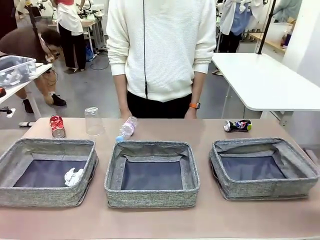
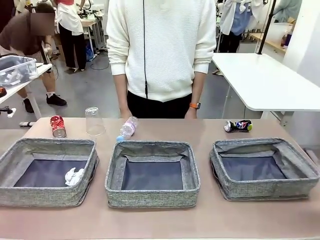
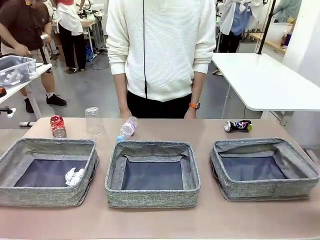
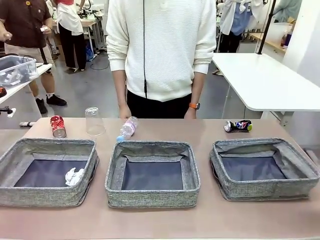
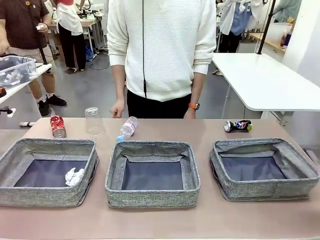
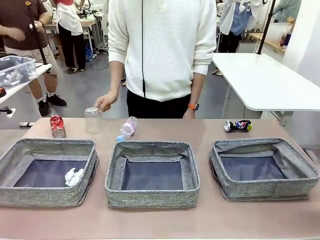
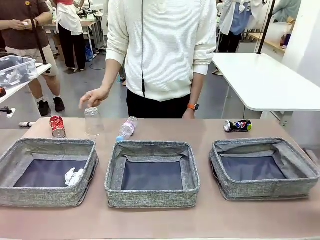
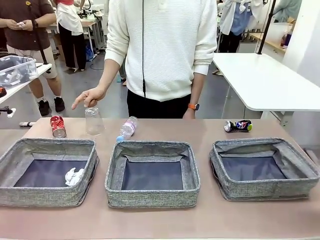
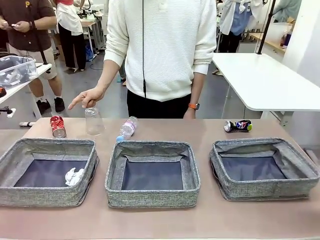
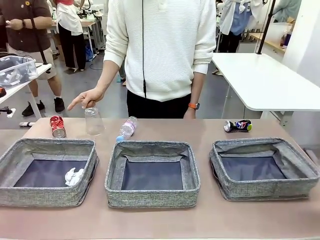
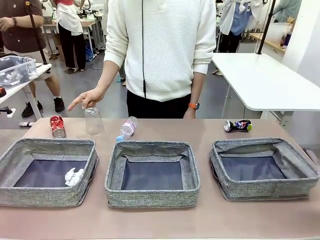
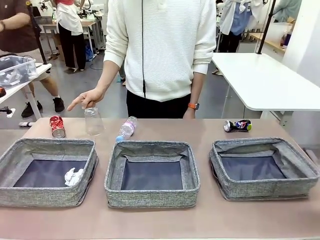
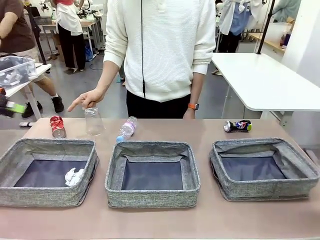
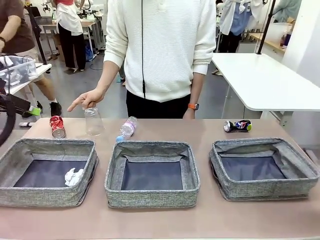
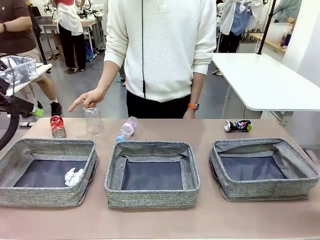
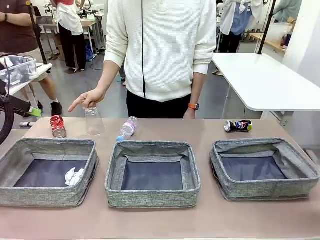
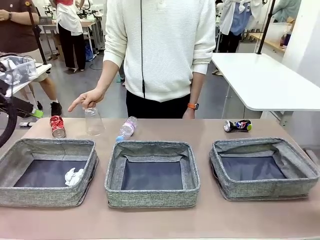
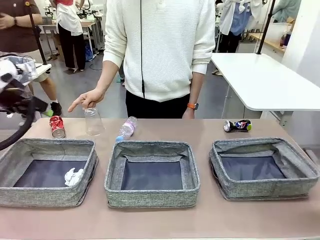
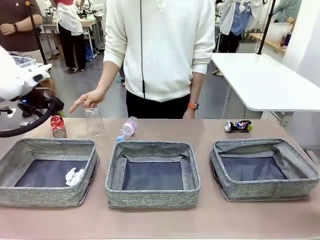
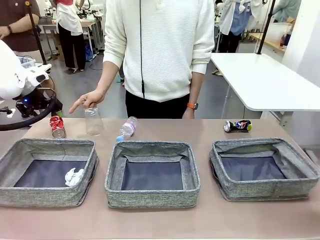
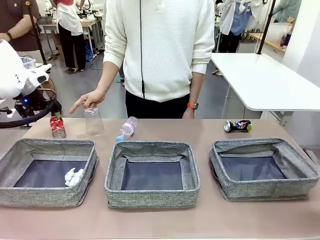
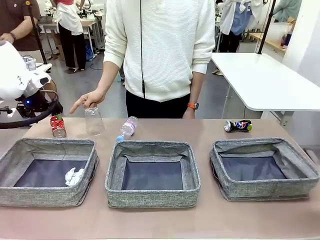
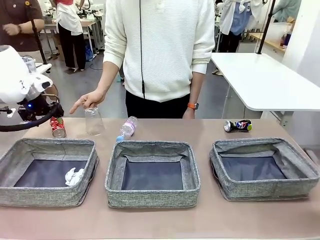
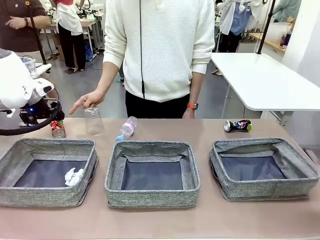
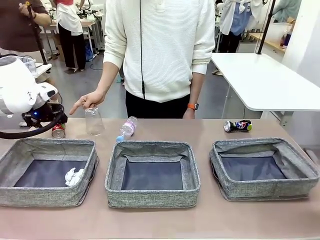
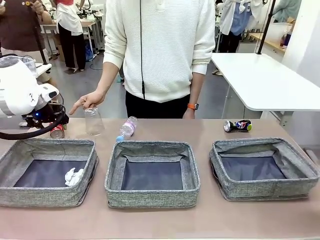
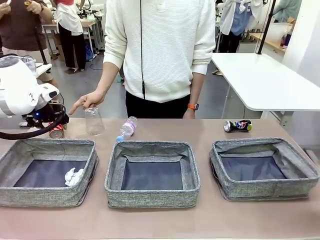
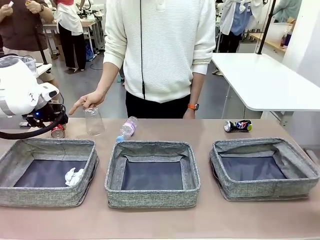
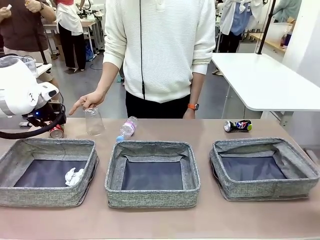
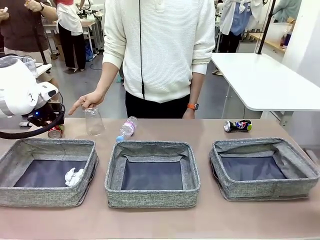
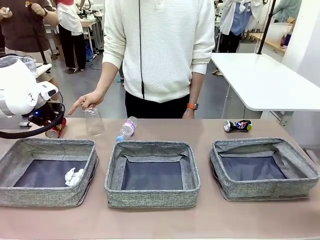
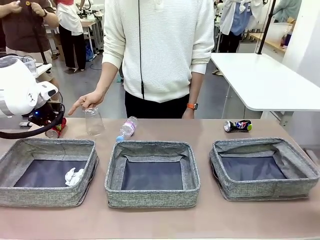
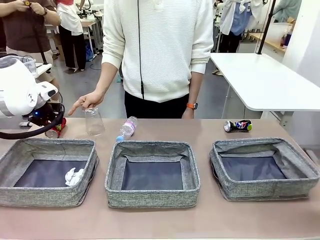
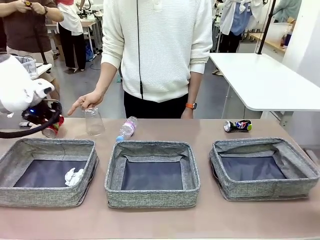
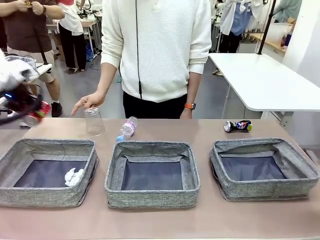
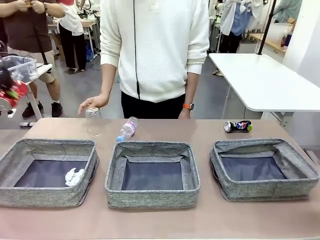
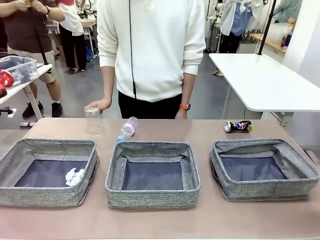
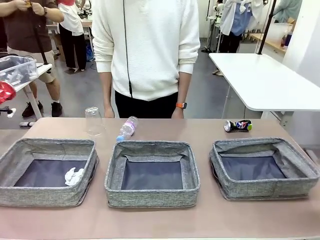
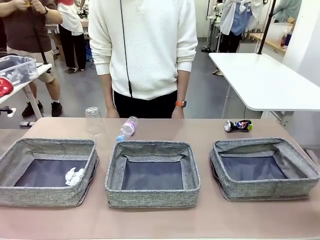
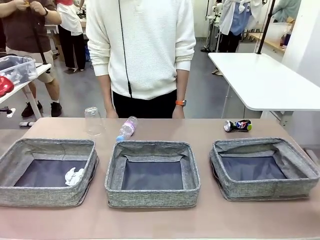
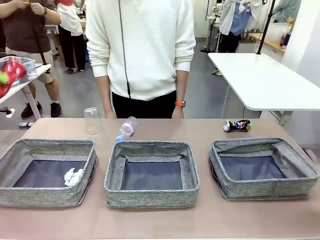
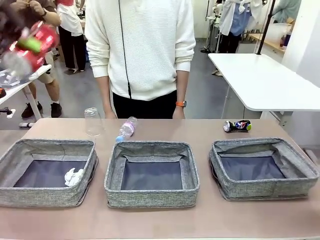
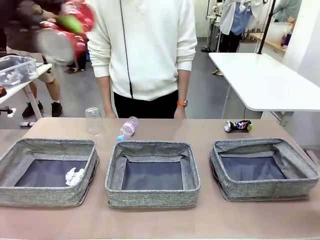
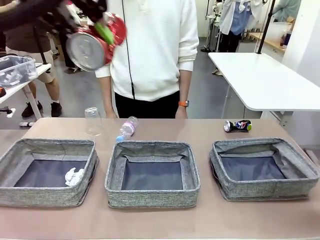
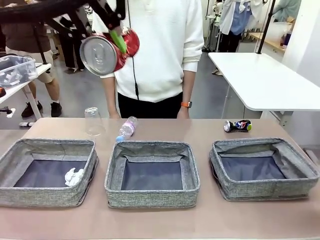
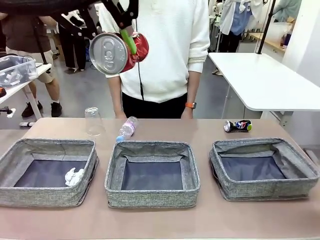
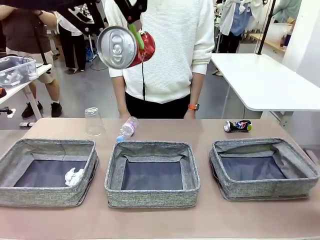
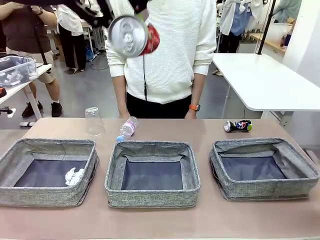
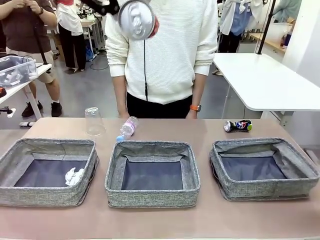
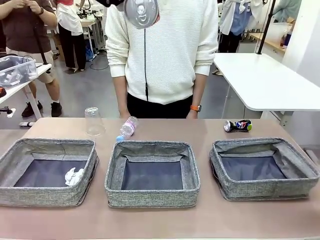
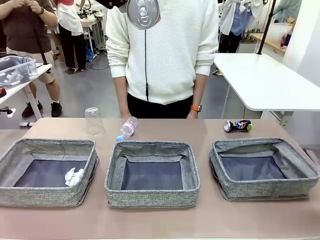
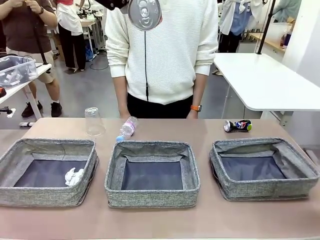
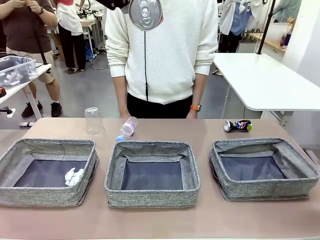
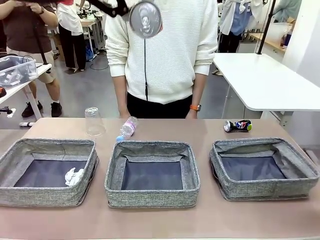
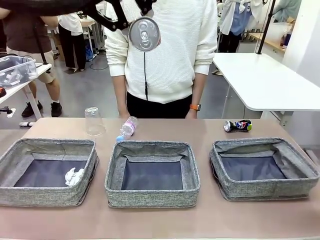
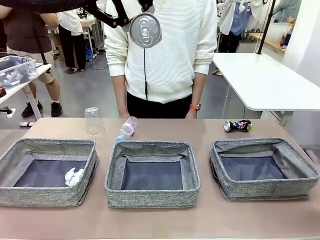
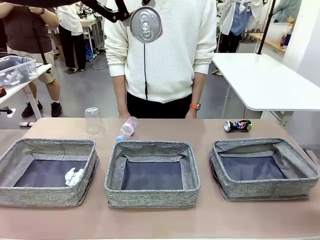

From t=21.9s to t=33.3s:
Task: Sort the waste into the appropriate baskets.
Robot: Pick up the waste item pointed out by the person.
Person: Points to one piece of trash on the table.

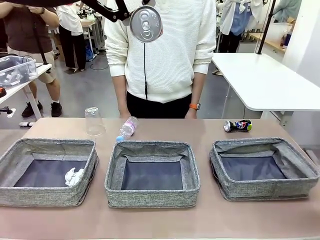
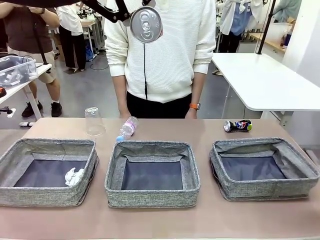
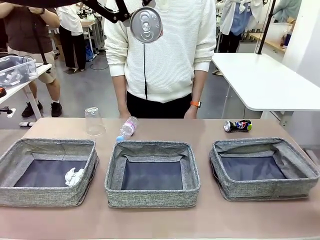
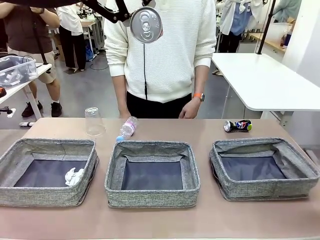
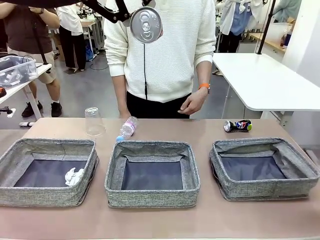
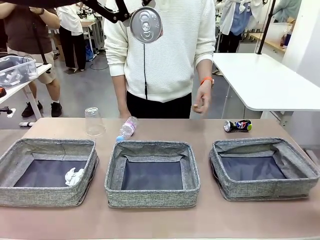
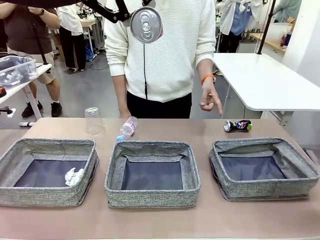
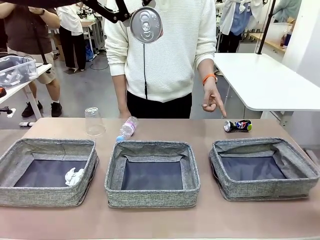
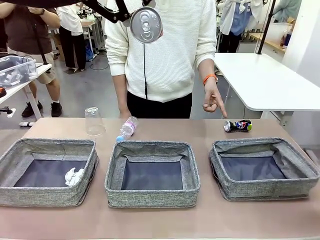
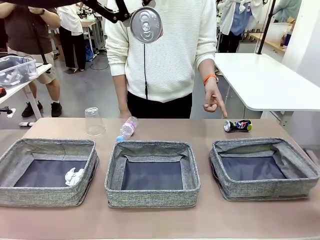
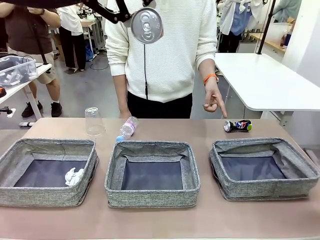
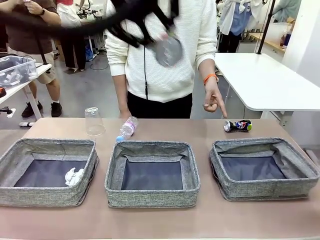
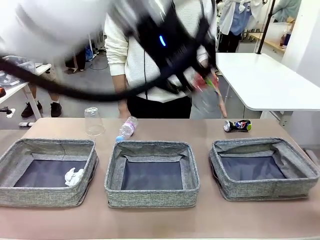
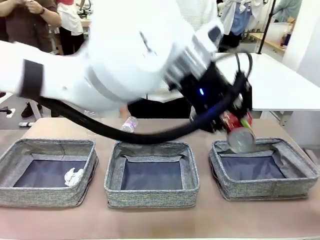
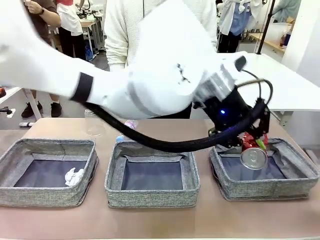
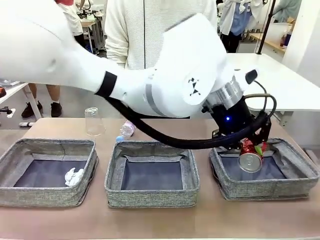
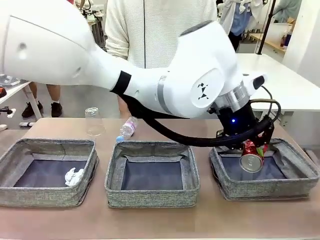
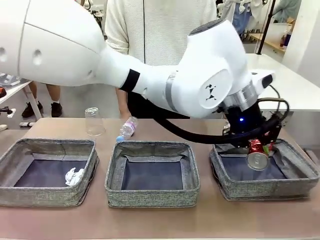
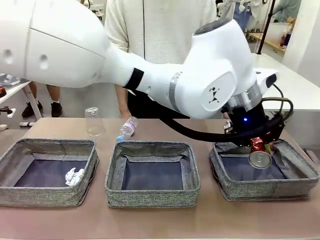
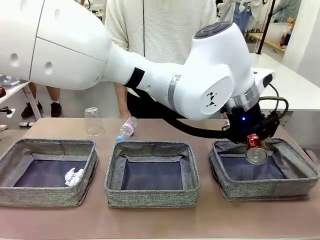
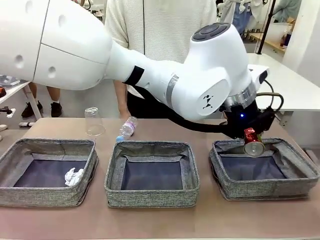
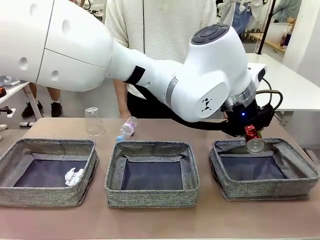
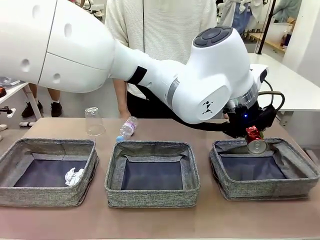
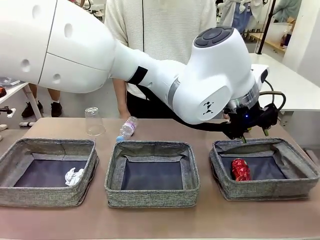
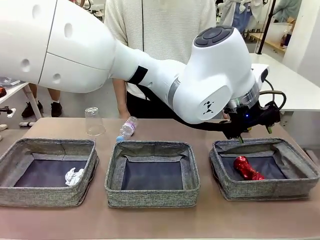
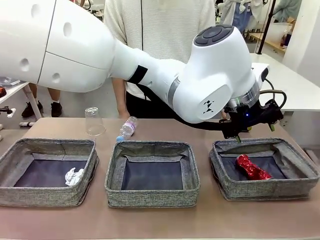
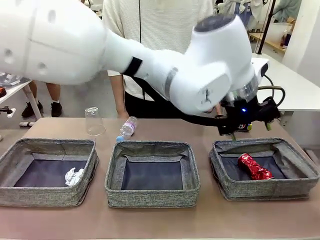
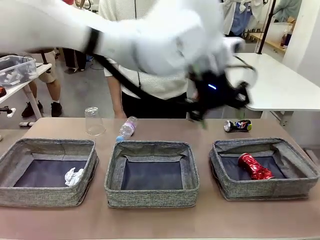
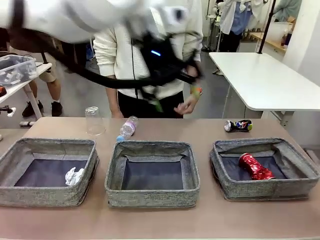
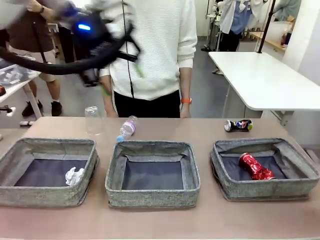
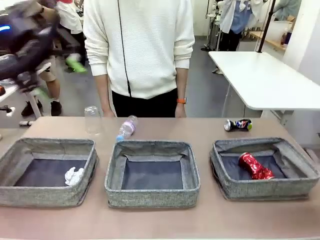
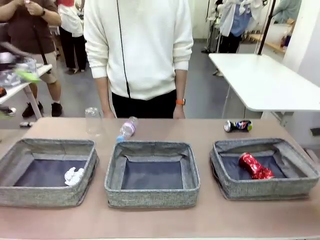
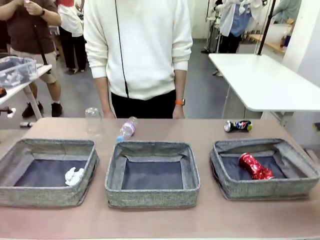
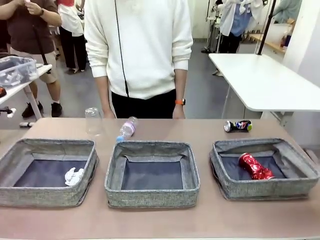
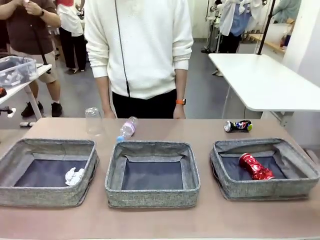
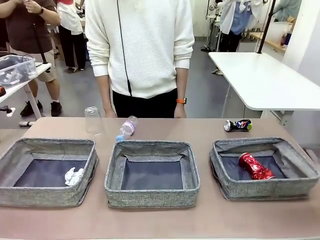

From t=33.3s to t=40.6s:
Robot: Place the picked waste into the Fabric basket indicated by the person.
Person: Instructs the robot to place the picked-up trash into the appropriate organizing basket.
